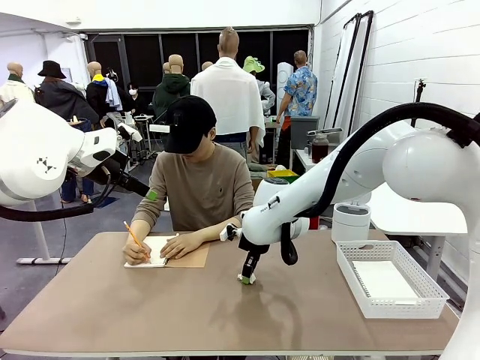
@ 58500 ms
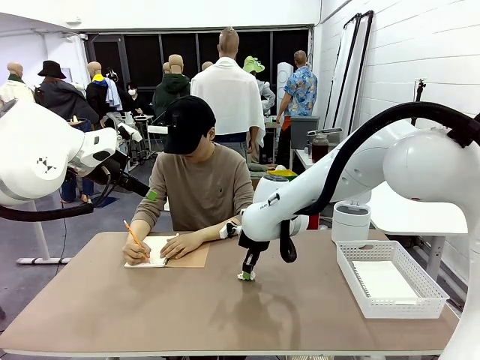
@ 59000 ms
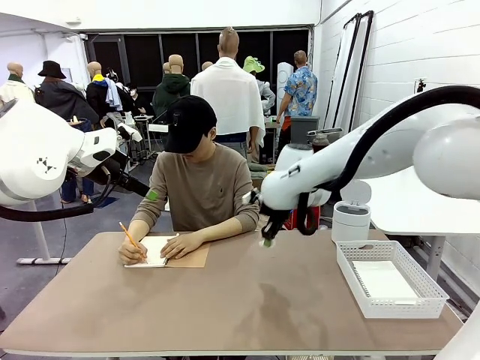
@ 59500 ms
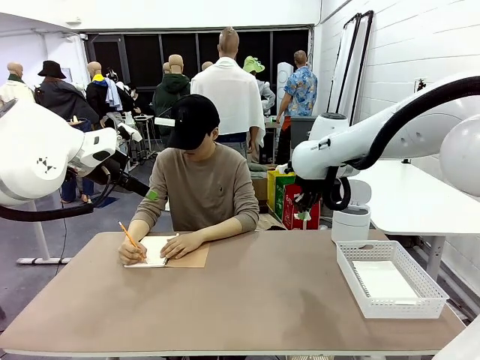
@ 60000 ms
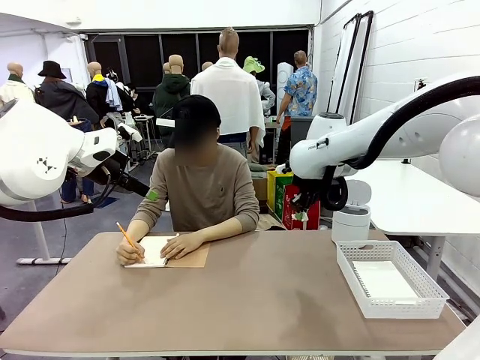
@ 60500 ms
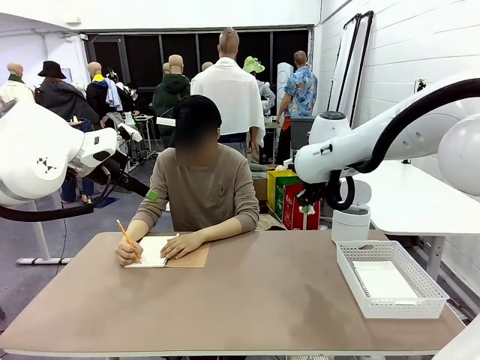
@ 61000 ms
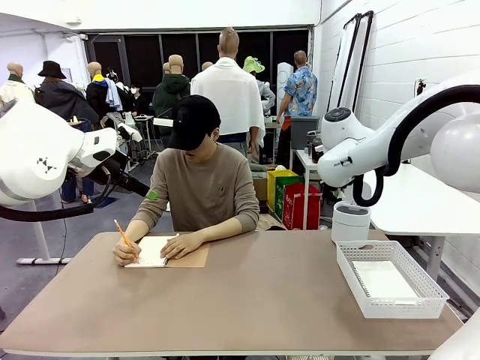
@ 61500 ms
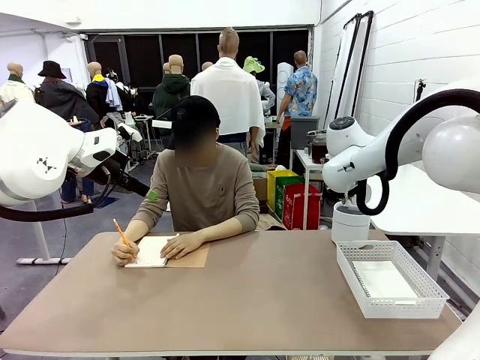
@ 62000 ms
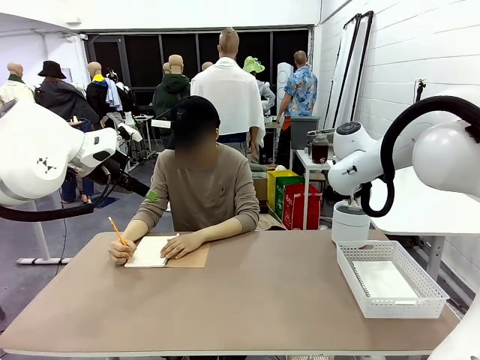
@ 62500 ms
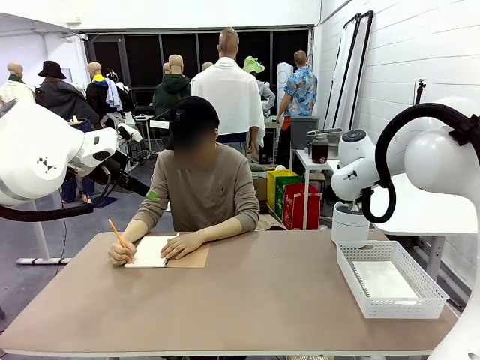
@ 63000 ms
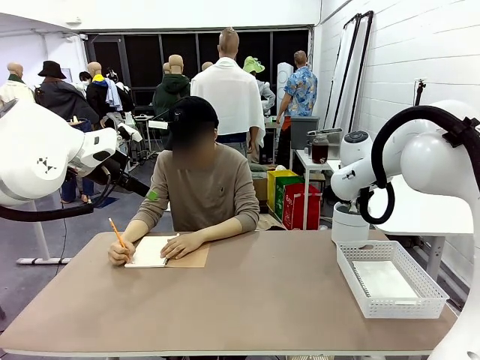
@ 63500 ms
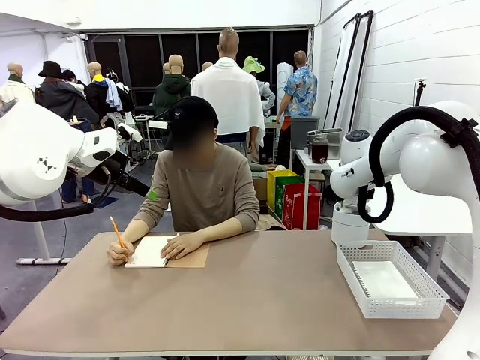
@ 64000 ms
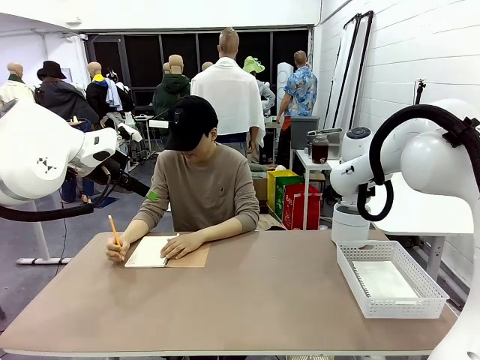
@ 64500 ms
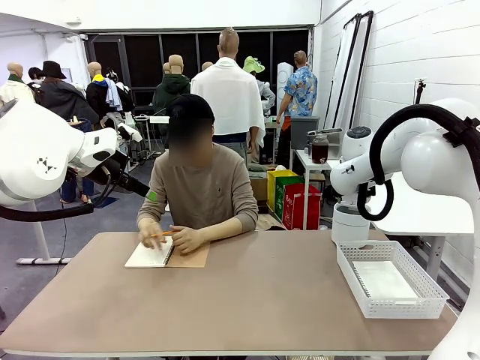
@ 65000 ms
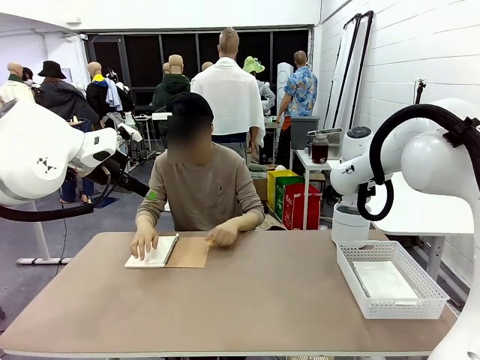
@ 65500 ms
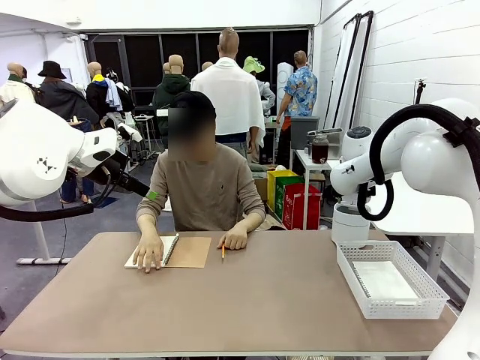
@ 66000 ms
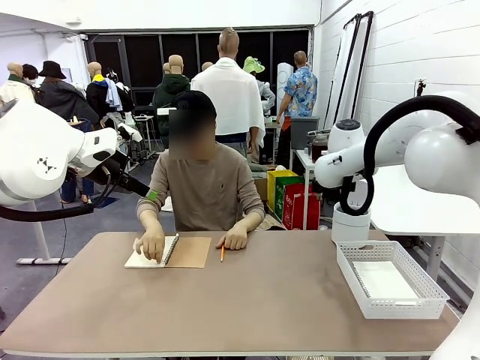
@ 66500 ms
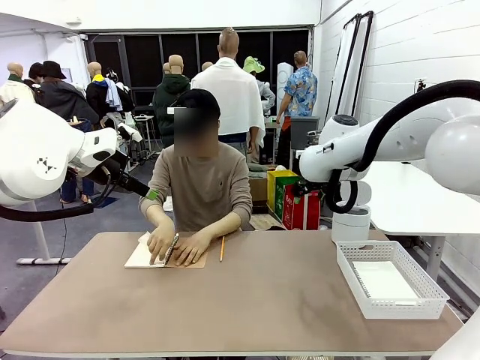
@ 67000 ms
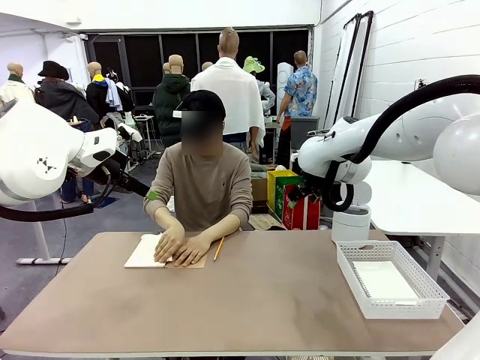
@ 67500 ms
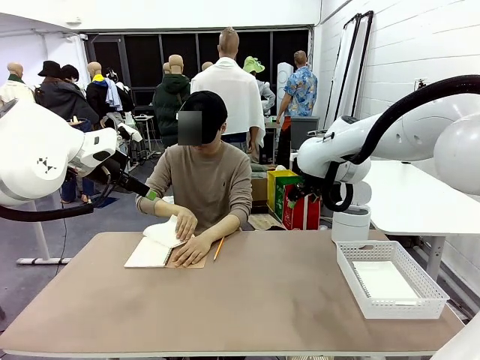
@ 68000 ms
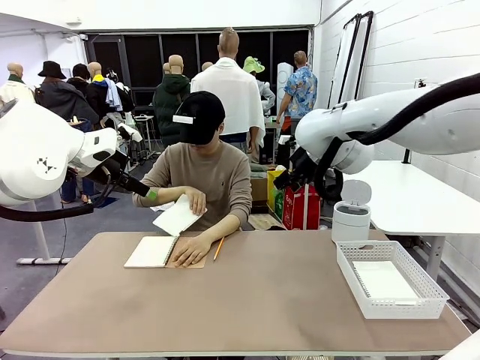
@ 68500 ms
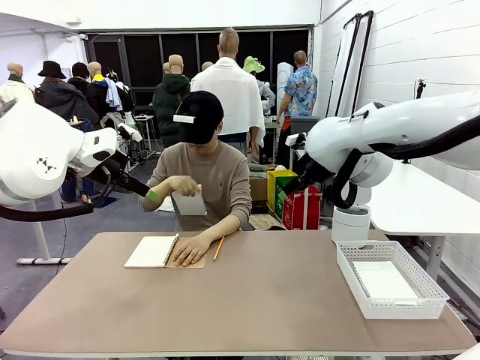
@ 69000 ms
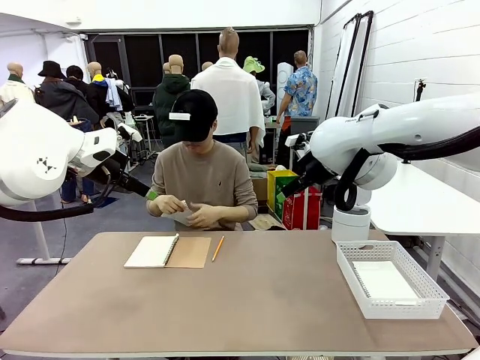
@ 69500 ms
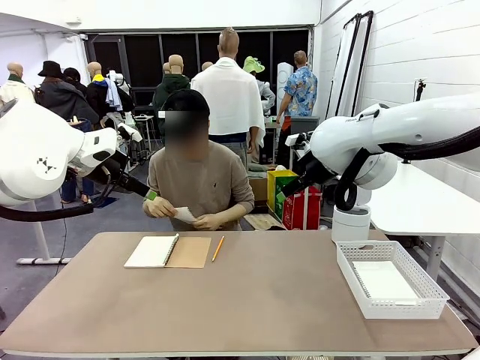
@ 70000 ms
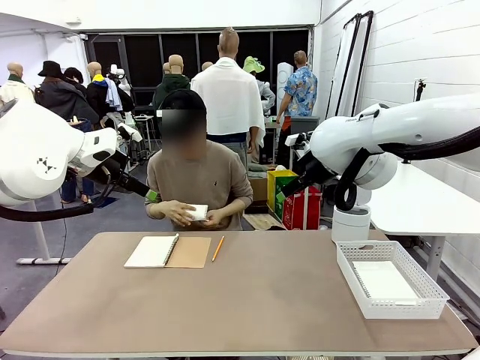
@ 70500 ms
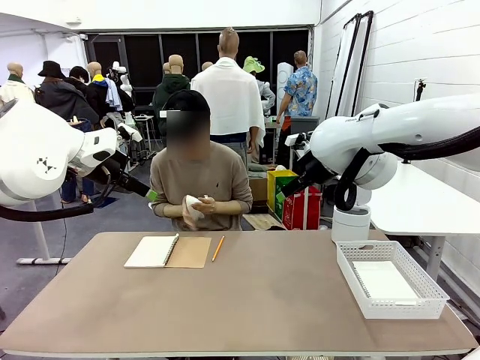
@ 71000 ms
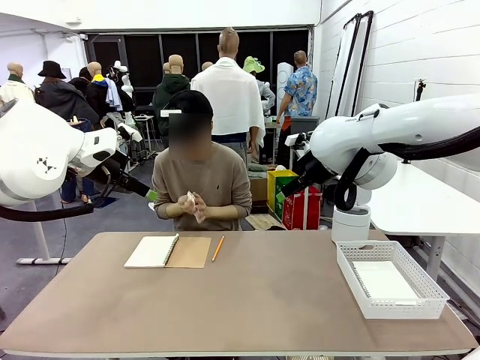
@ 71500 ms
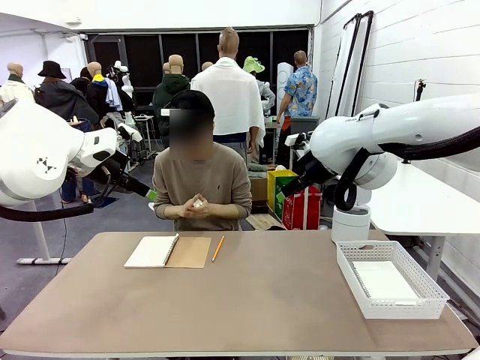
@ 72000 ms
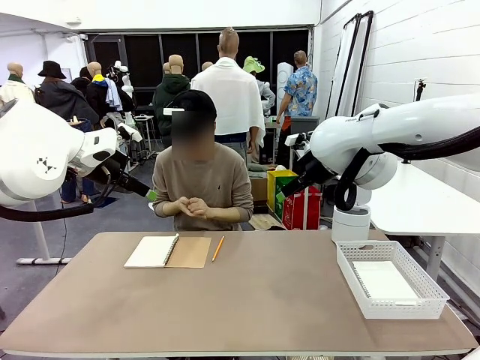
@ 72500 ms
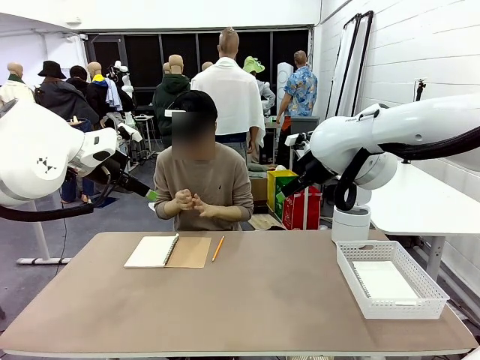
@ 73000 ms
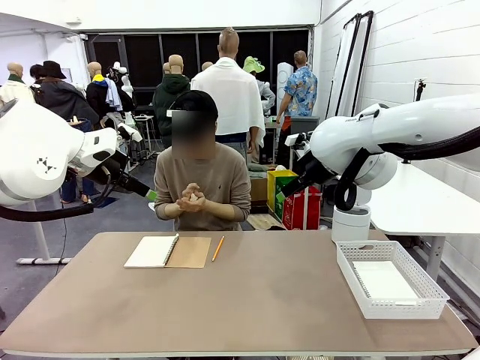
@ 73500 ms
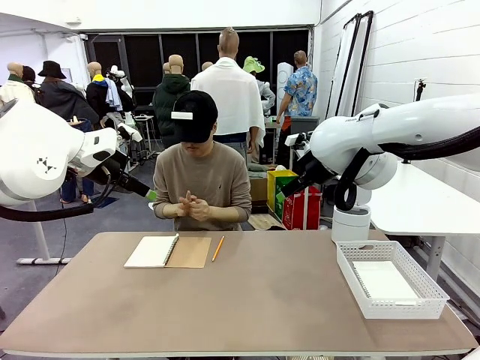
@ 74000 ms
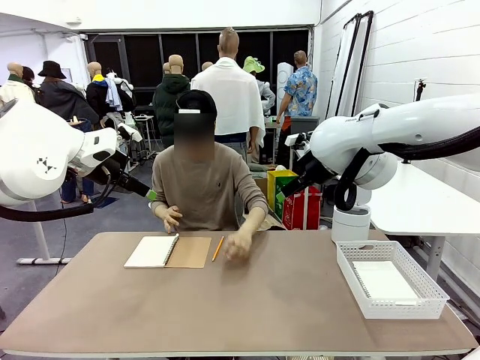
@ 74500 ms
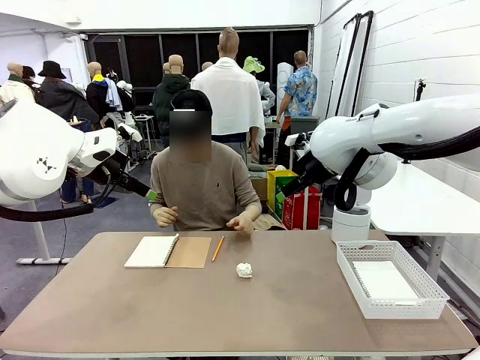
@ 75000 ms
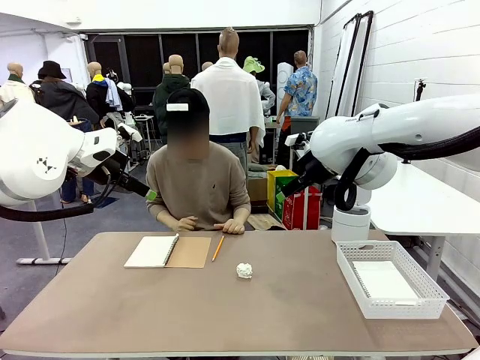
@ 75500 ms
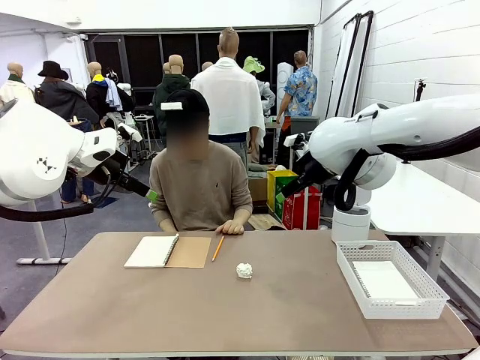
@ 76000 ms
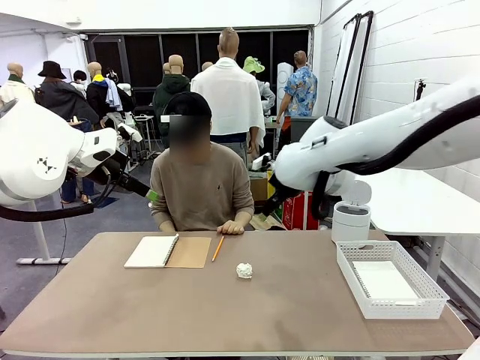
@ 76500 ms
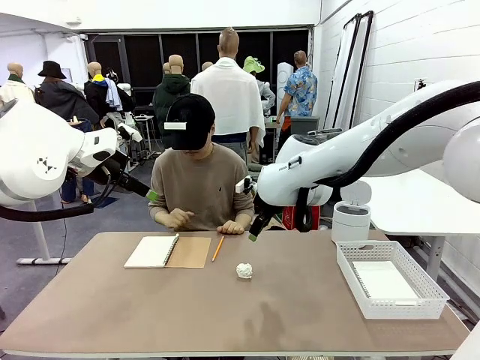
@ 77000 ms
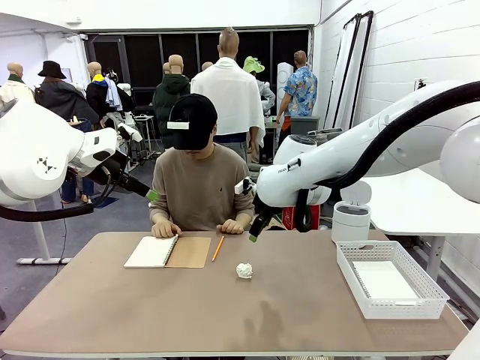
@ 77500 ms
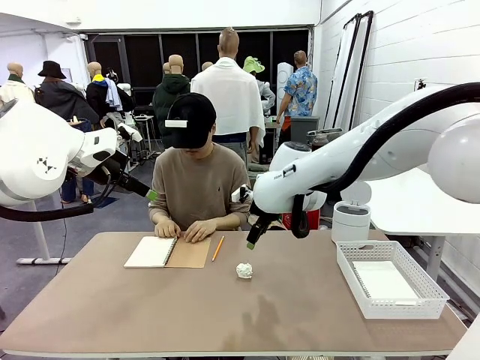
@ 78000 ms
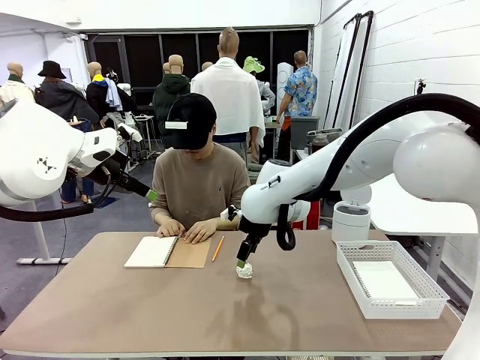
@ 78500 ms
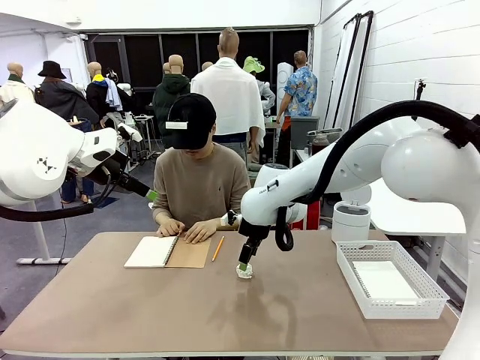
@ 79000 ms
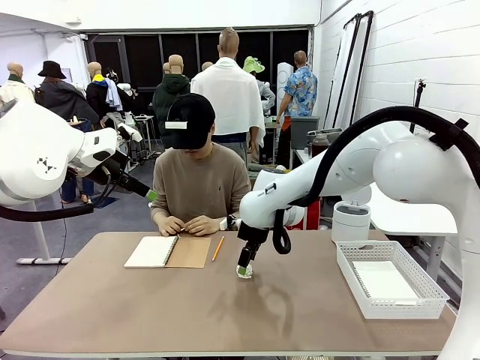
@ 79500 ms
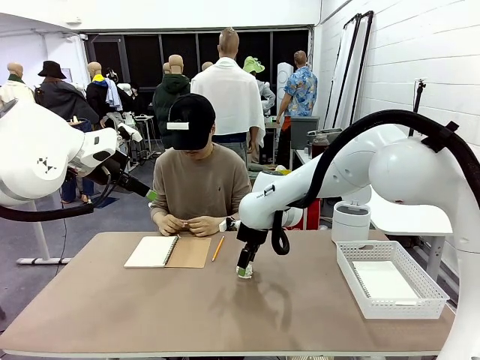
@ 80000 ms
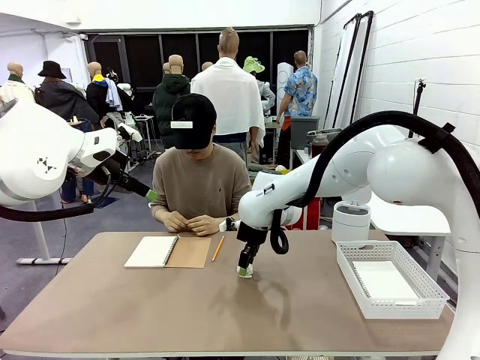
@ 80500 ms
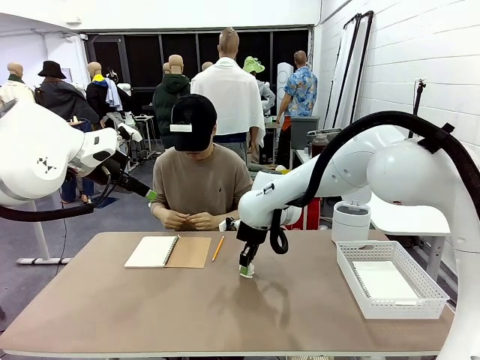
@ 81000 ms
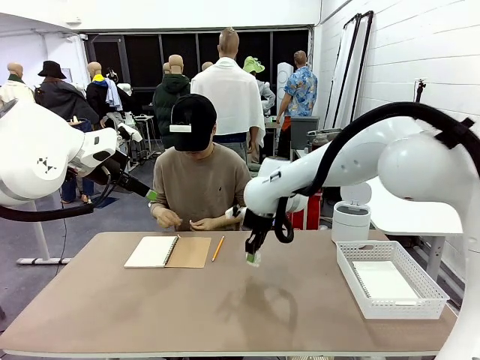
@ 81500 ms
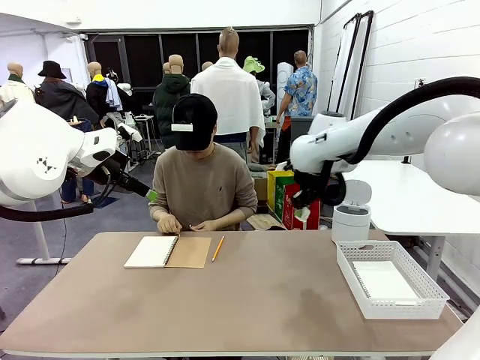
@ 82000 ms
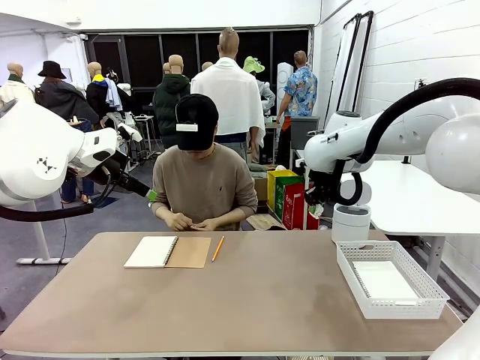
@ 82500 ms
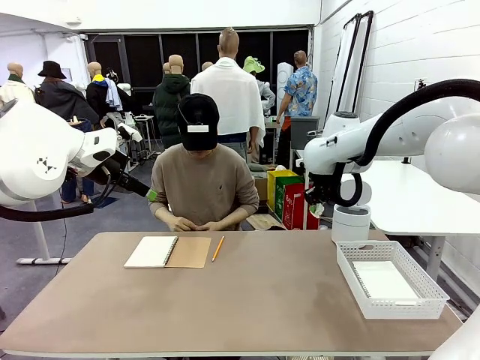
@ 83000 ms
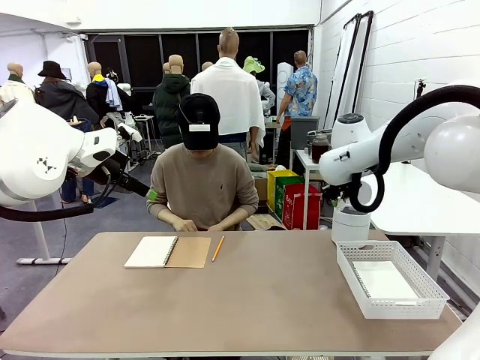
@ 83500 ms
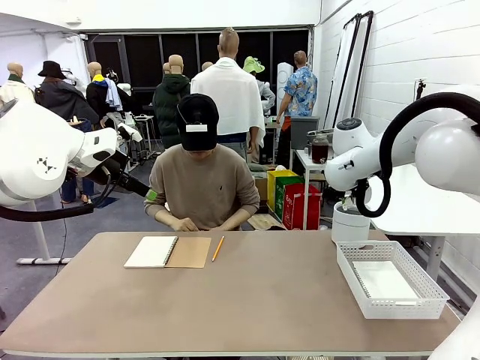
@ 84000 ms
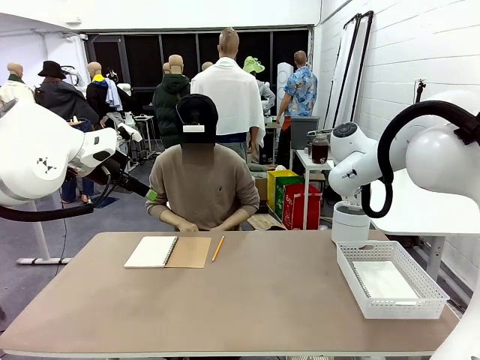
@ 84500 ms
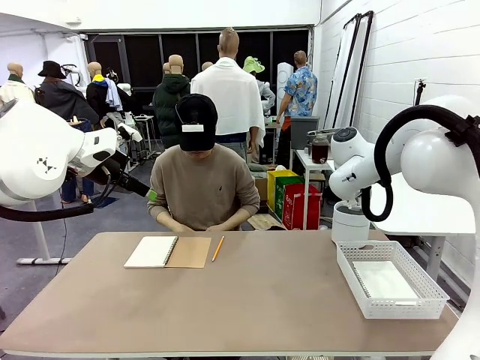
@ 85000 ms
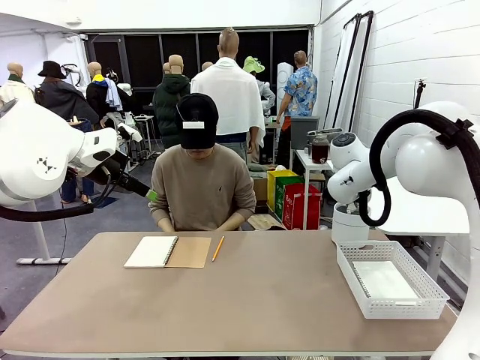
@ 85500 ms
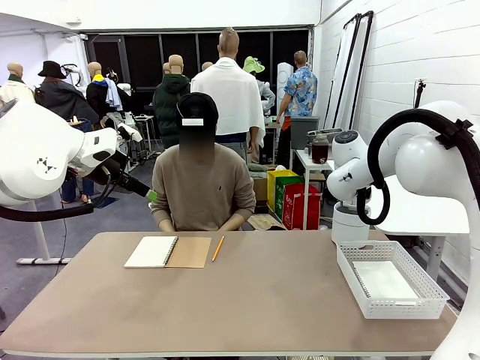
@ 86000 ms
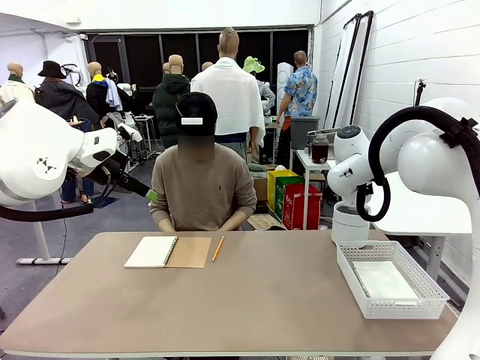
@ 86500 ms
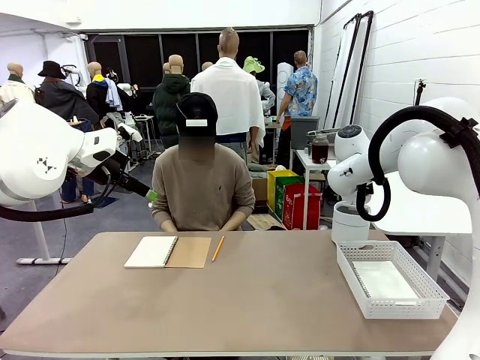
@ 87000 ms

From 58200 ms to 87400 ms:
Task: Sort the paper based on its condition.
Robot: If a person hands you a paper, place it in the Organizing basket , and if it's crumpled, put it in the Trash can.
Person: Tear out a page from the spiral notebook. Hand the torn page to the robot or crumple it and throw it to the center of the table.
